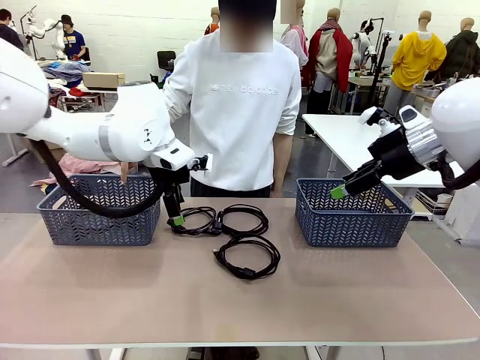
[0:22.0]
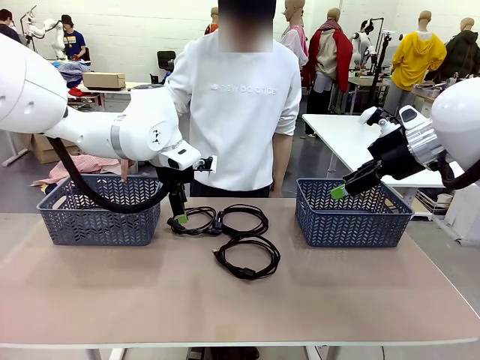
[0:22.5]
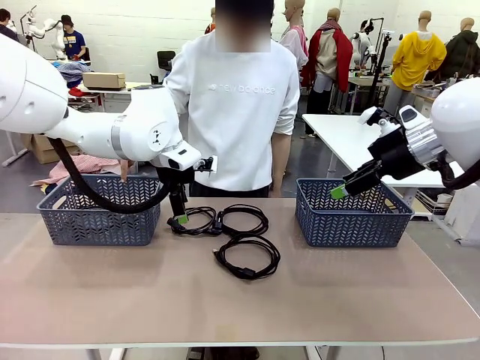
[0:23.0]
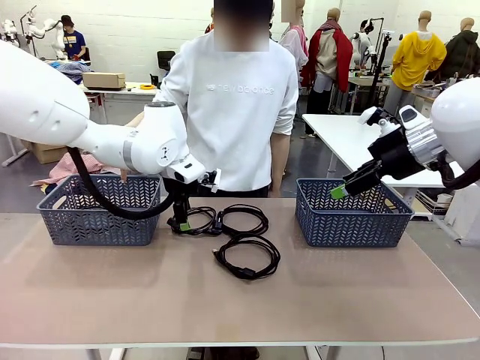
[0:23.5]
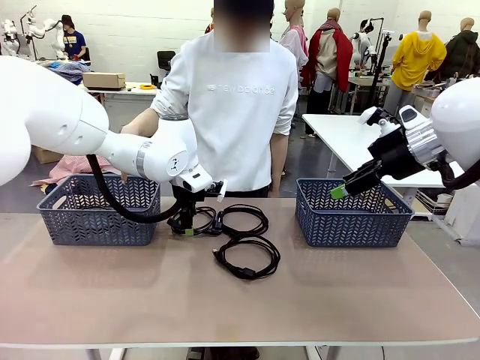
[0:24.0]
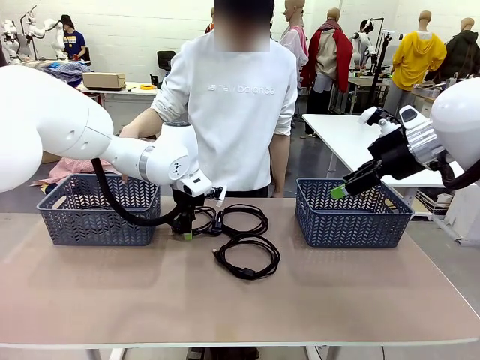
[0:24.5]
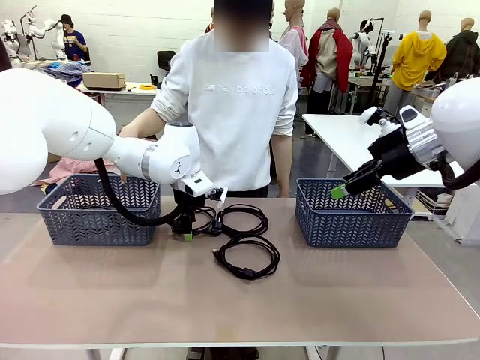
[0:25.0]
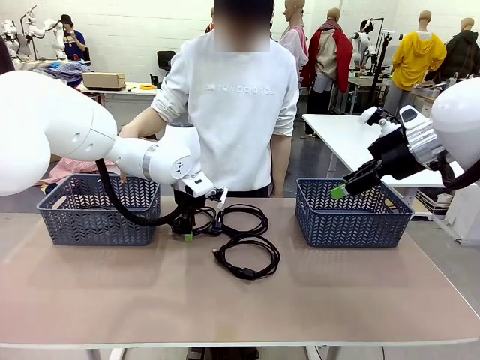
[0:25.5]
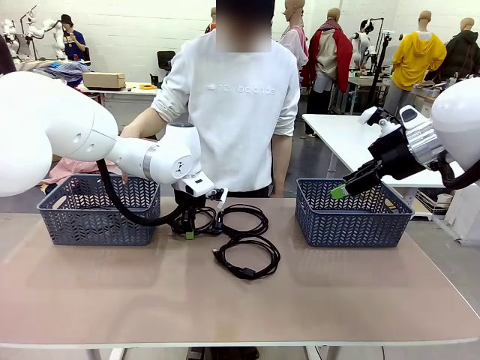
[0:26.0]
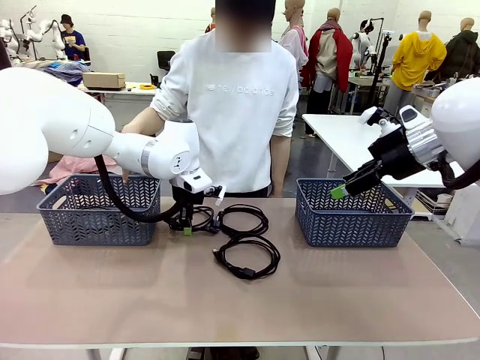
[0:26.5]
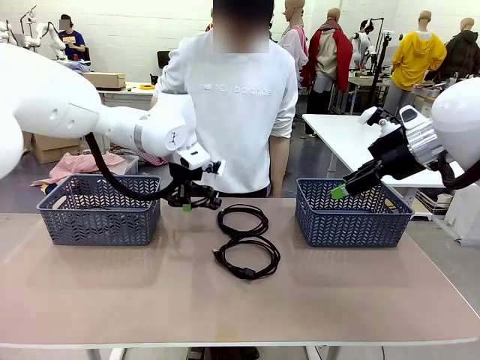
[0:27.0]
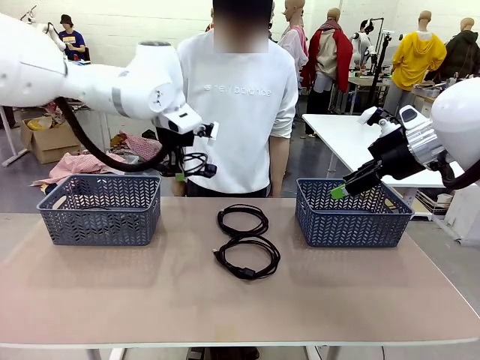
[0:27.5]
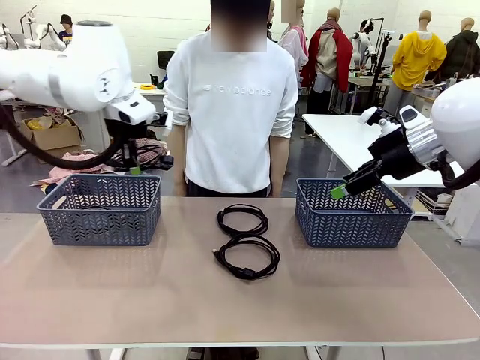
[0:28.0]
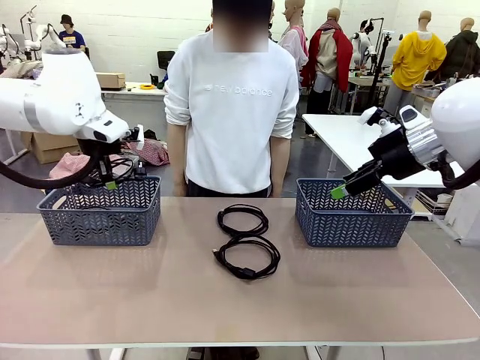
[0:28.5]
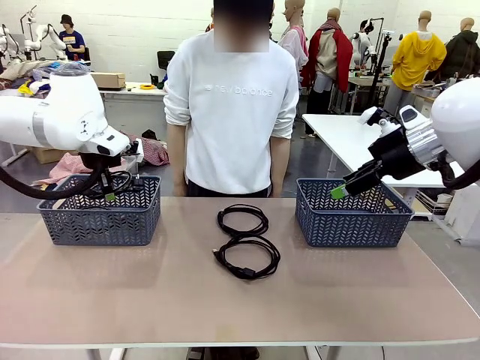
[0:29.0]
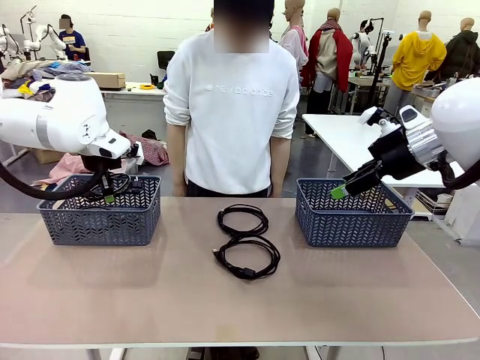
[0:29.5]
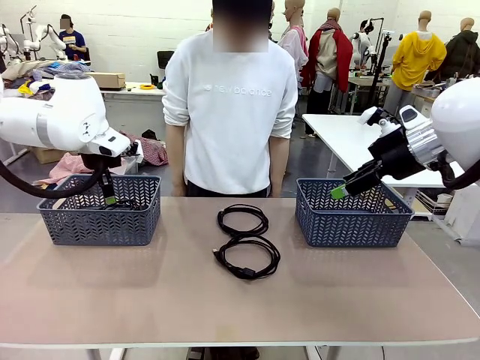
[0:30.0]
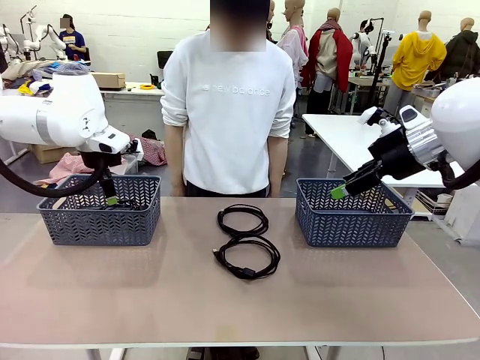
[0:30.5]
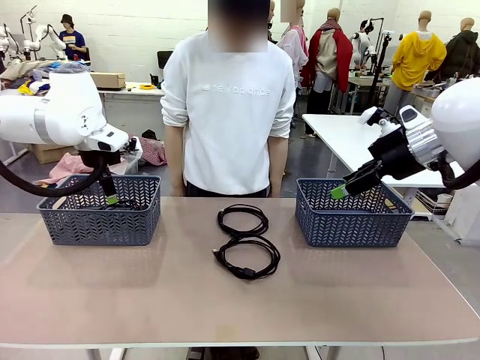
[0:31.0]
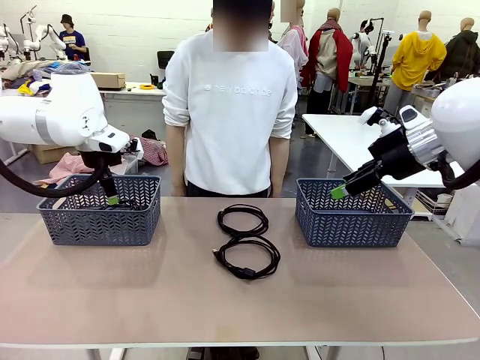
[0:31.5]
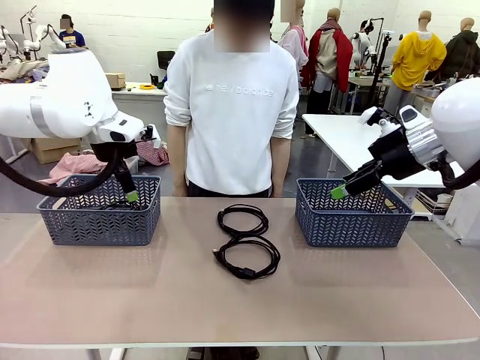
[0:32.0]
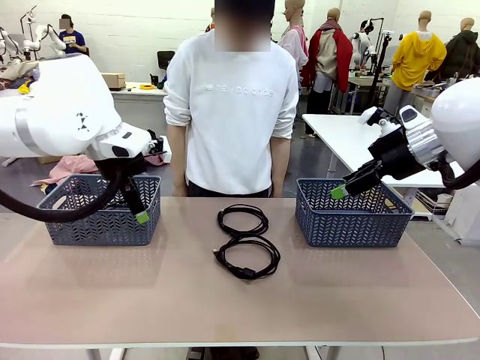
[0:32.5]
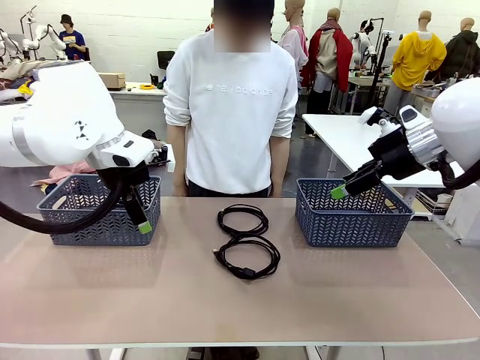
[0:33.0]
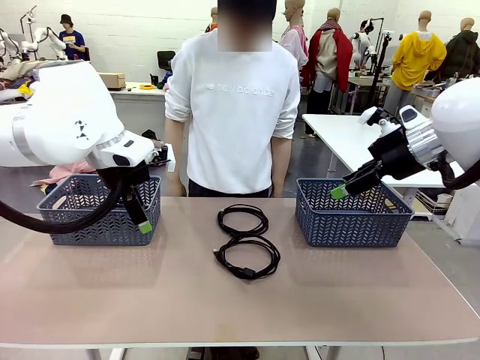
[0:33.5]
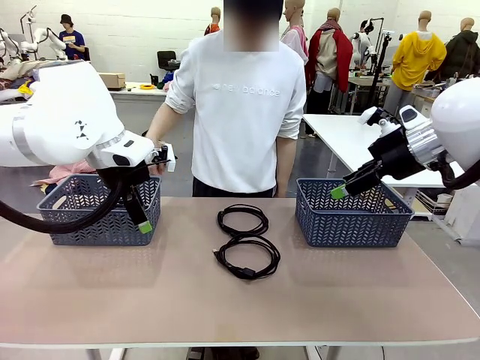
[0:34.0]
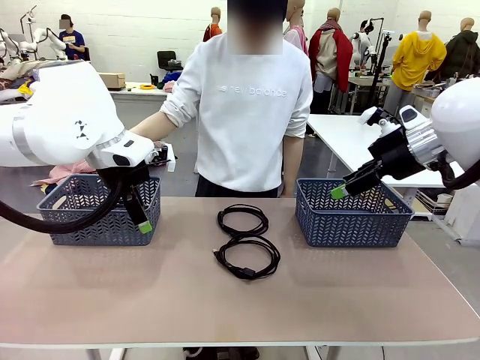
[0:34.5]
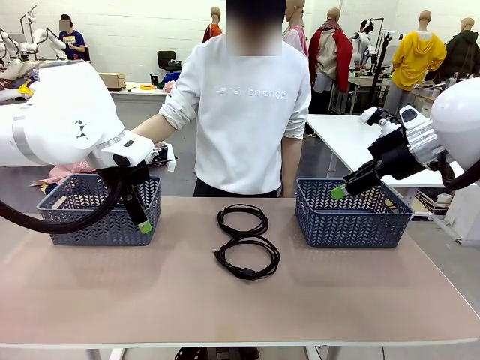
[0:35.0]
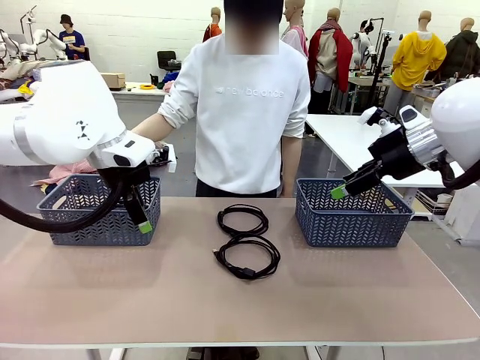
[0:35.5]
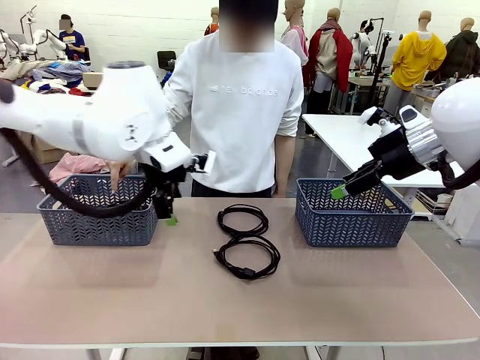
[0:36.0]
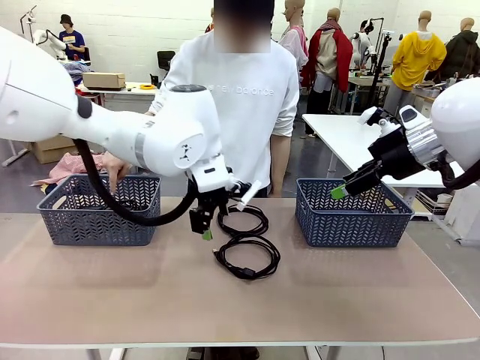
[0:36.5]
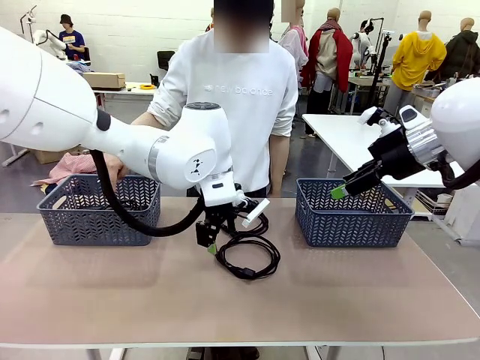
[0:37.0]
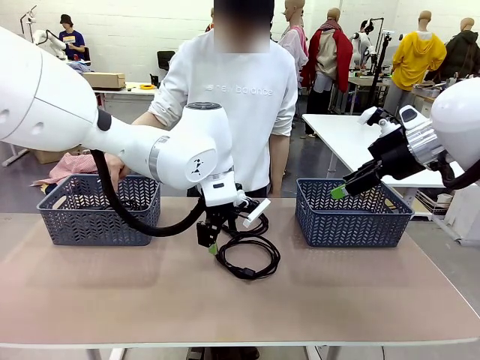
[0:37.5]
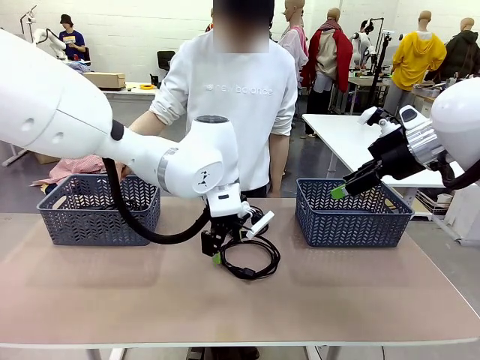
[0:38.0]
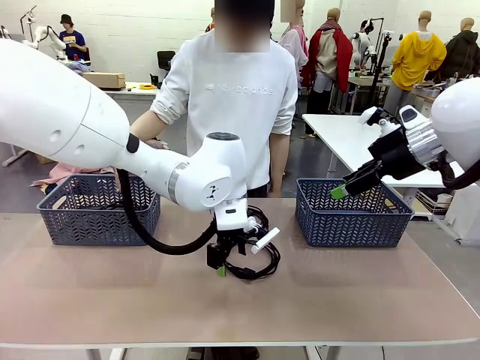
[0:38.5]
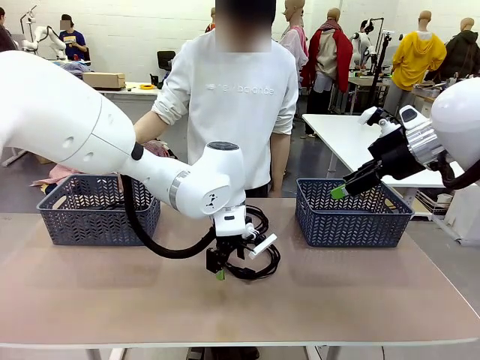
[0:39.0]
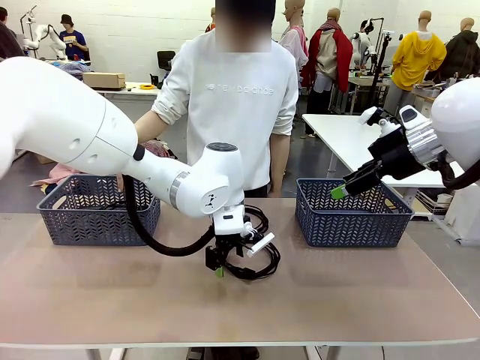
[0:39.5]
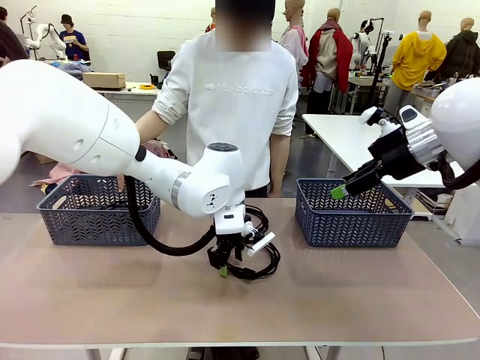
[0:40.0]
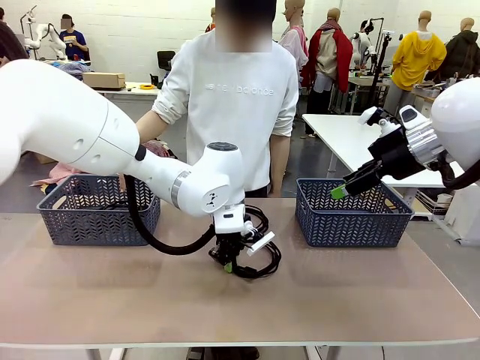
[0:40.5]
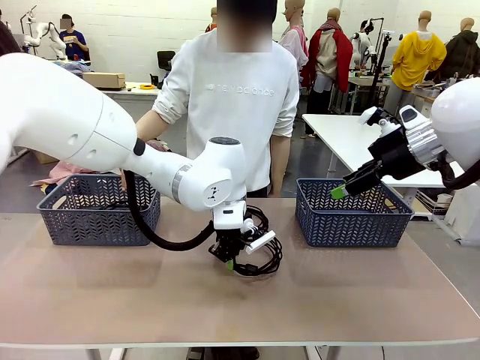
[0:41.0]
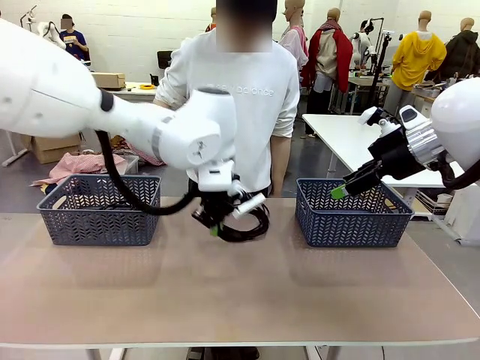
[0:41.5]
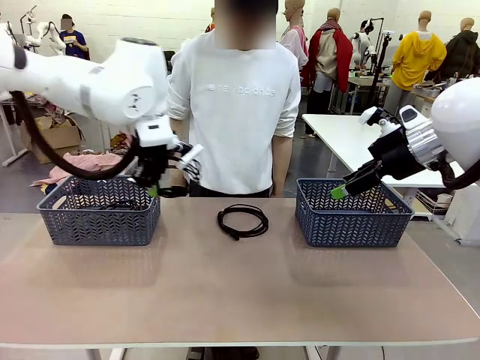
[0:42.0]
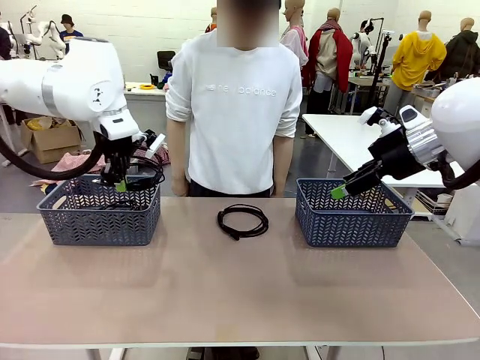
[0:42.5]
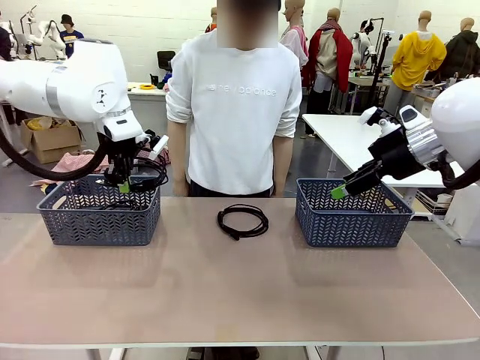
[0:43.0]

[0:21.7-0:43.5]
Task: Organize the cables according to human instructions.
Robot: Pick up a bundle of cables and place it in the basket indicated by the human.
